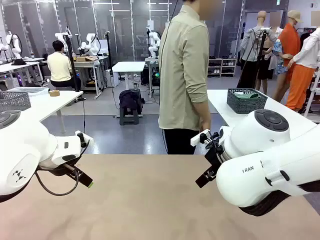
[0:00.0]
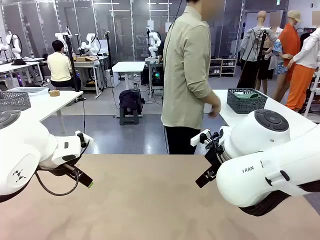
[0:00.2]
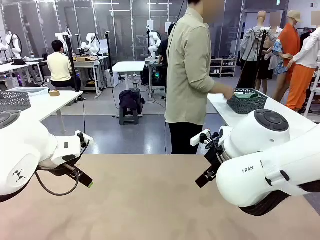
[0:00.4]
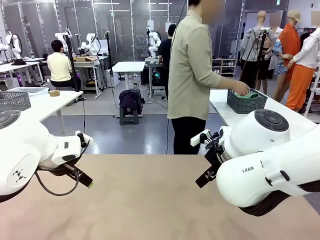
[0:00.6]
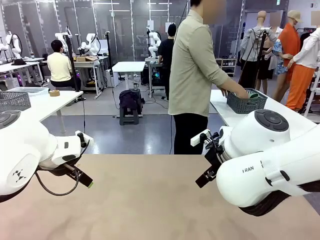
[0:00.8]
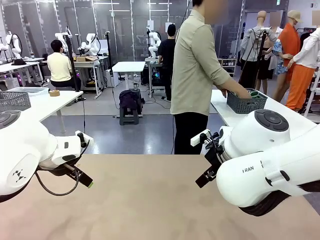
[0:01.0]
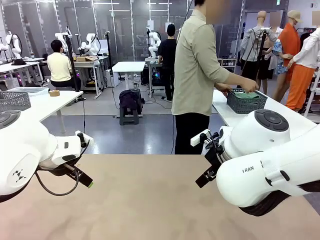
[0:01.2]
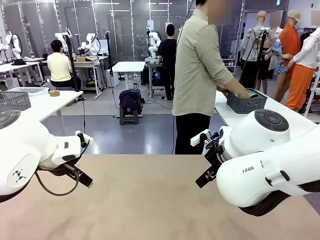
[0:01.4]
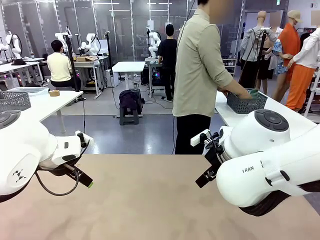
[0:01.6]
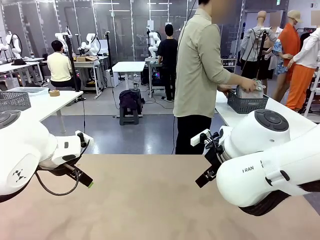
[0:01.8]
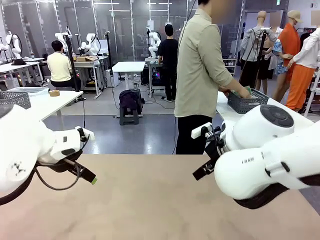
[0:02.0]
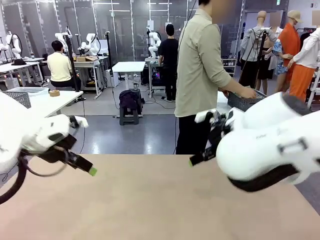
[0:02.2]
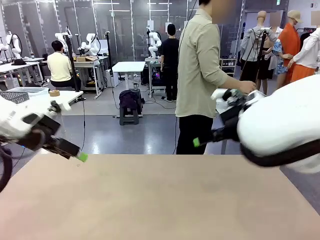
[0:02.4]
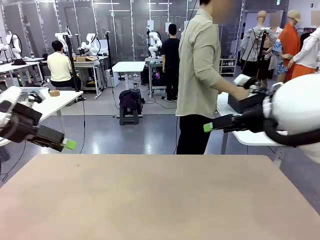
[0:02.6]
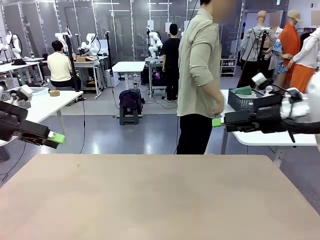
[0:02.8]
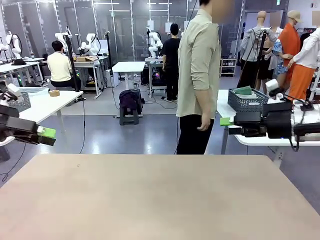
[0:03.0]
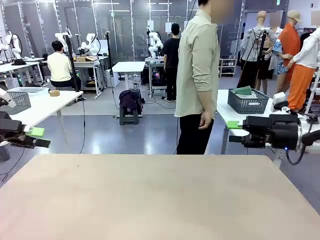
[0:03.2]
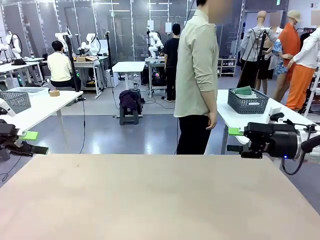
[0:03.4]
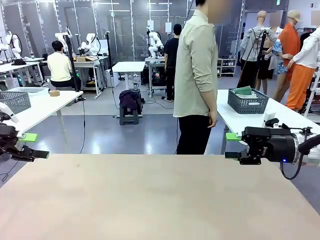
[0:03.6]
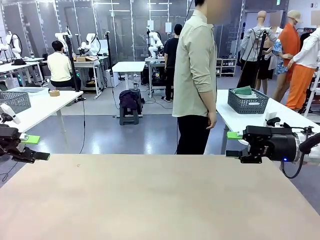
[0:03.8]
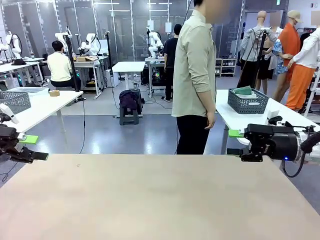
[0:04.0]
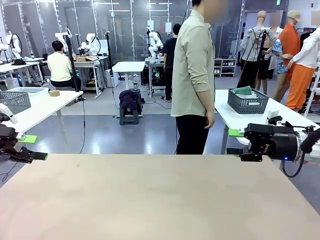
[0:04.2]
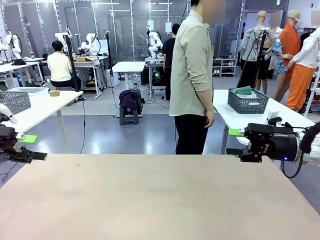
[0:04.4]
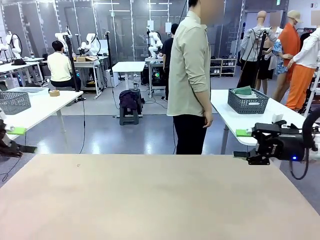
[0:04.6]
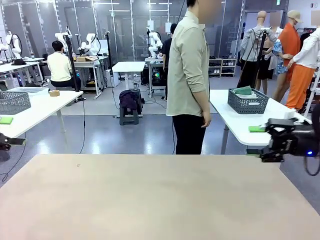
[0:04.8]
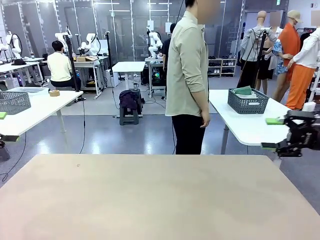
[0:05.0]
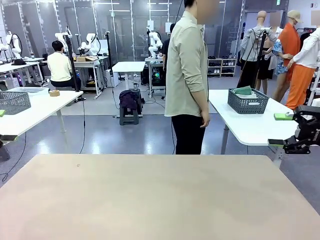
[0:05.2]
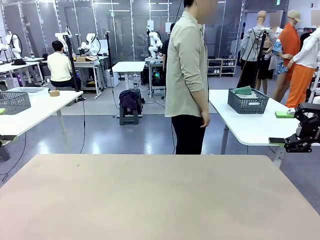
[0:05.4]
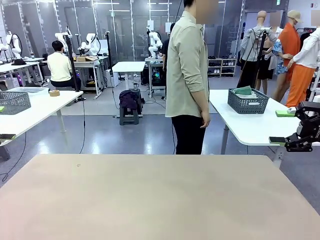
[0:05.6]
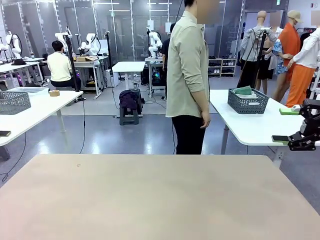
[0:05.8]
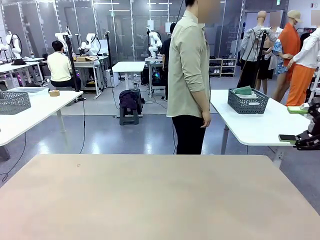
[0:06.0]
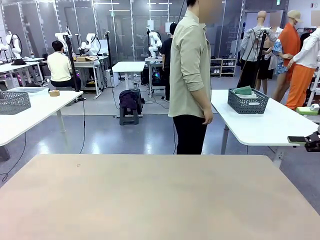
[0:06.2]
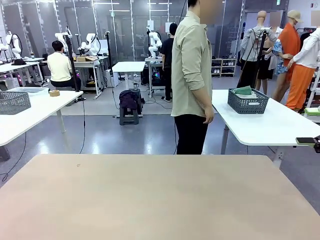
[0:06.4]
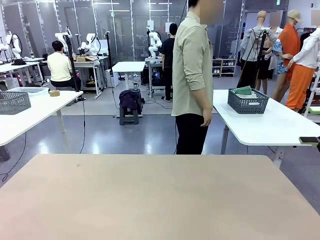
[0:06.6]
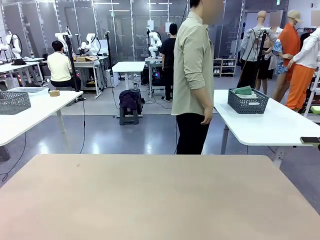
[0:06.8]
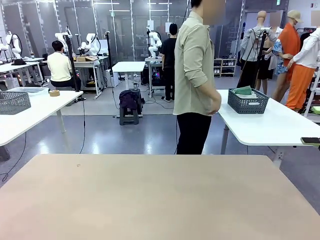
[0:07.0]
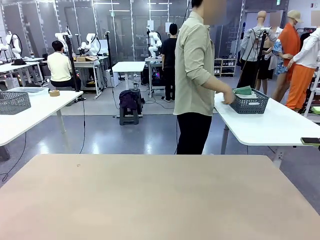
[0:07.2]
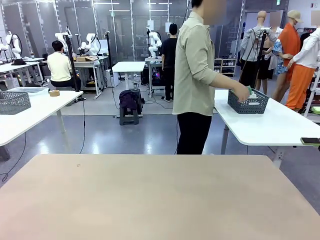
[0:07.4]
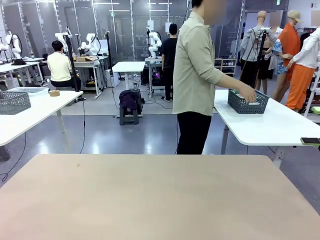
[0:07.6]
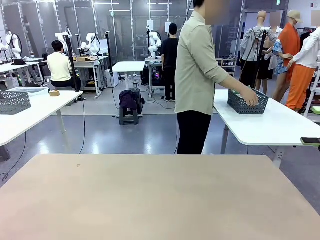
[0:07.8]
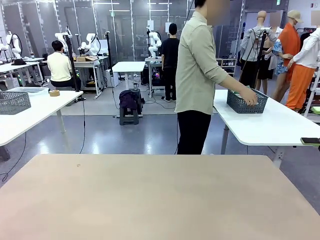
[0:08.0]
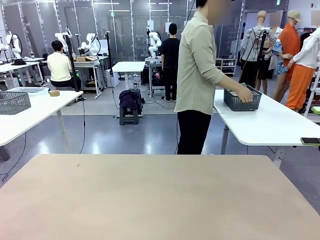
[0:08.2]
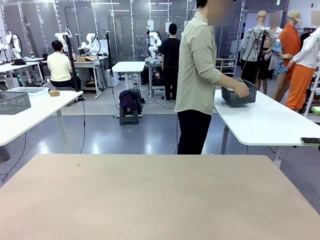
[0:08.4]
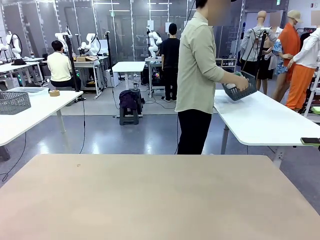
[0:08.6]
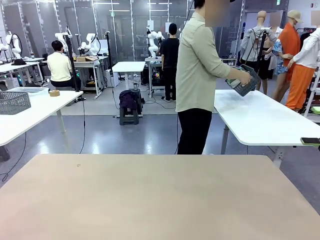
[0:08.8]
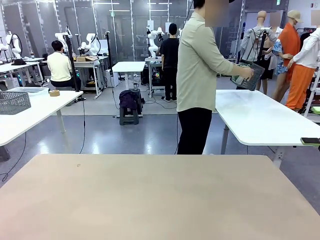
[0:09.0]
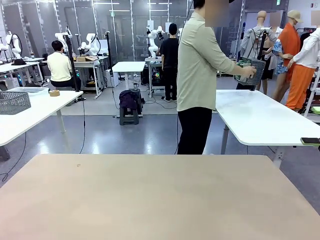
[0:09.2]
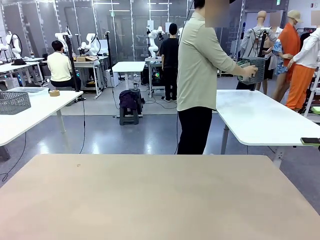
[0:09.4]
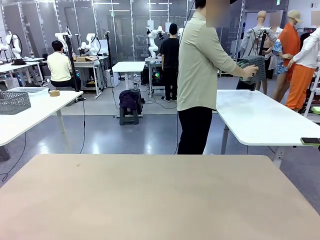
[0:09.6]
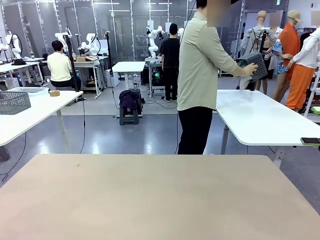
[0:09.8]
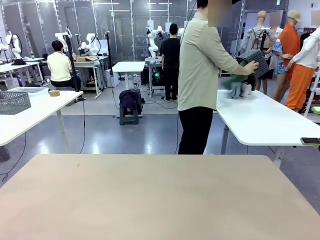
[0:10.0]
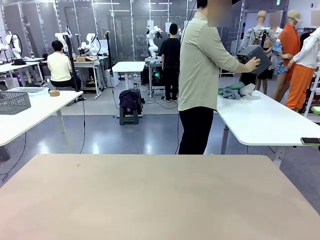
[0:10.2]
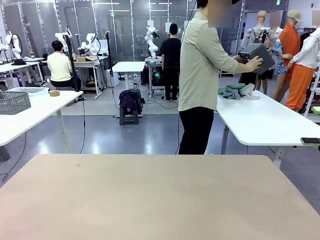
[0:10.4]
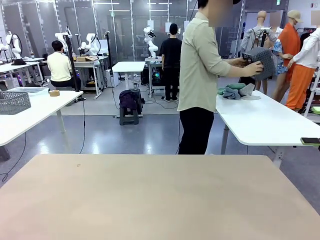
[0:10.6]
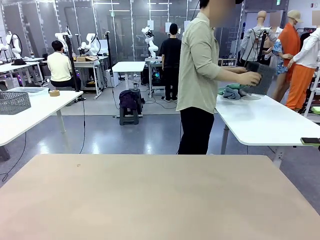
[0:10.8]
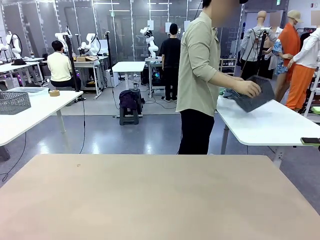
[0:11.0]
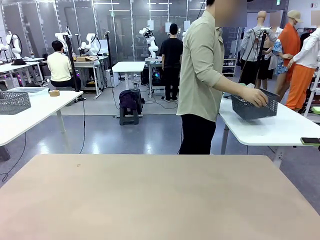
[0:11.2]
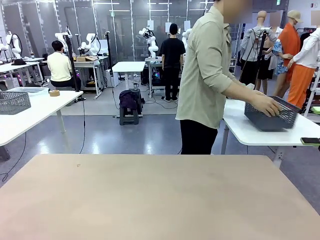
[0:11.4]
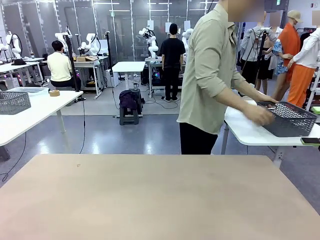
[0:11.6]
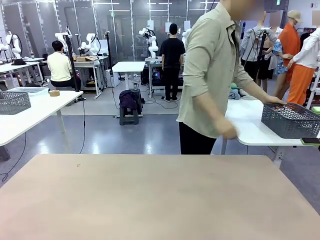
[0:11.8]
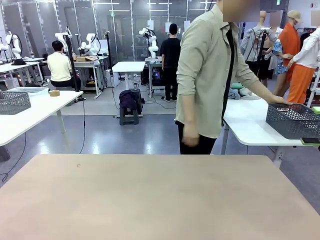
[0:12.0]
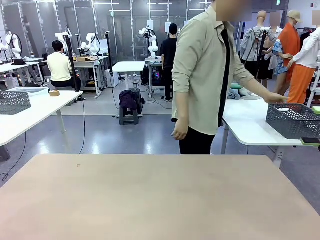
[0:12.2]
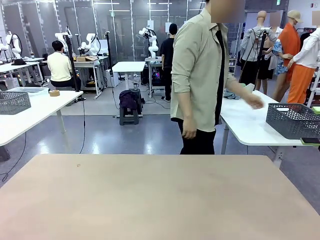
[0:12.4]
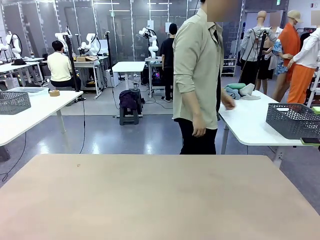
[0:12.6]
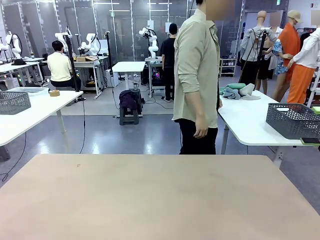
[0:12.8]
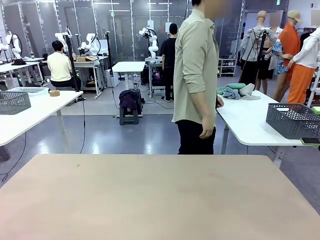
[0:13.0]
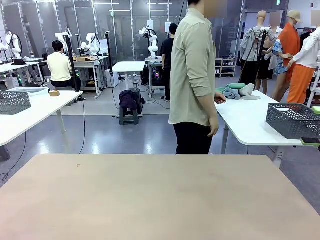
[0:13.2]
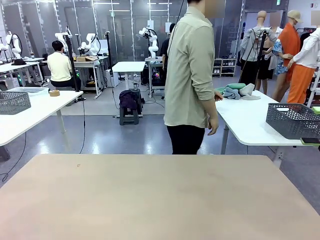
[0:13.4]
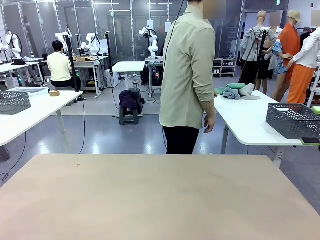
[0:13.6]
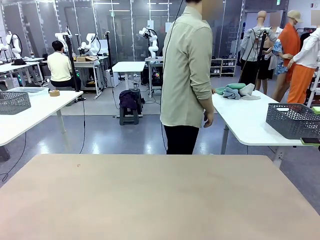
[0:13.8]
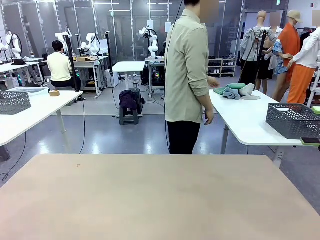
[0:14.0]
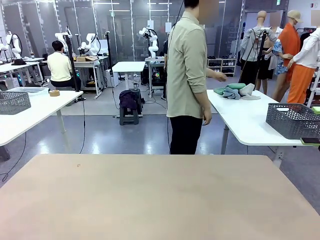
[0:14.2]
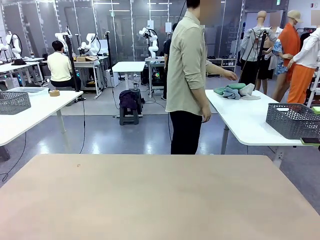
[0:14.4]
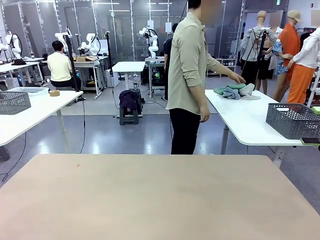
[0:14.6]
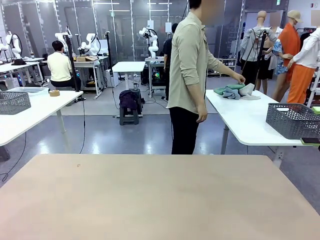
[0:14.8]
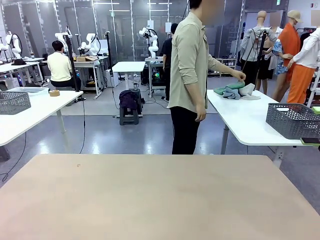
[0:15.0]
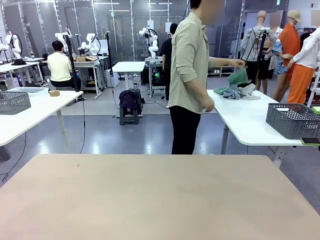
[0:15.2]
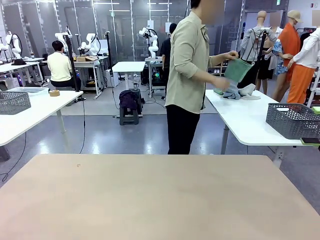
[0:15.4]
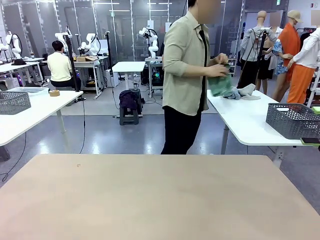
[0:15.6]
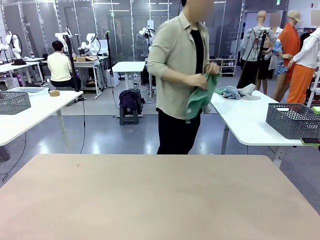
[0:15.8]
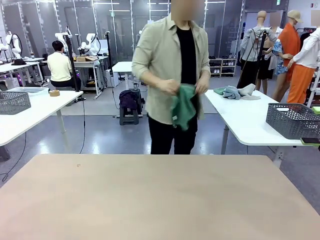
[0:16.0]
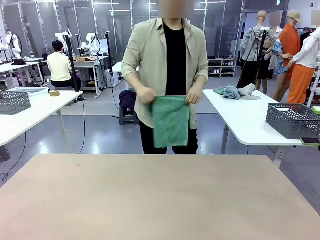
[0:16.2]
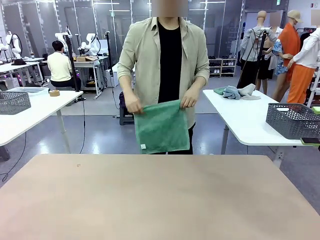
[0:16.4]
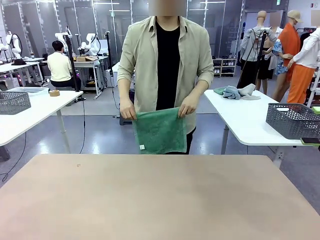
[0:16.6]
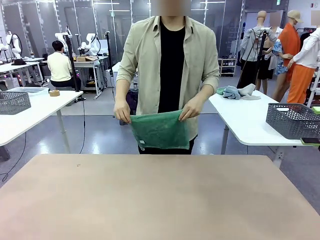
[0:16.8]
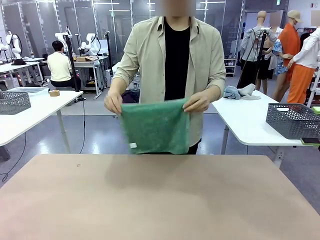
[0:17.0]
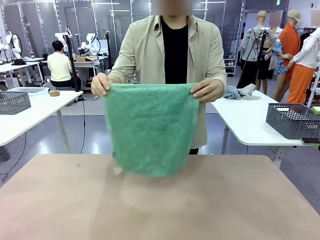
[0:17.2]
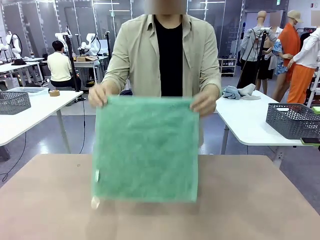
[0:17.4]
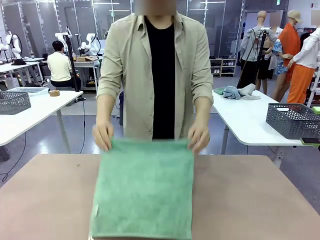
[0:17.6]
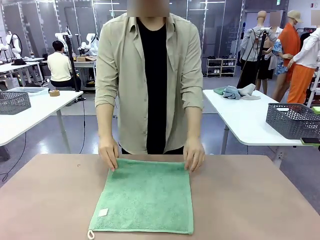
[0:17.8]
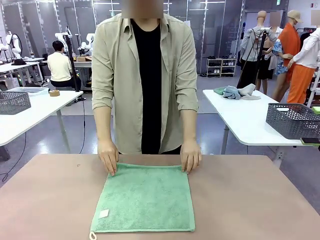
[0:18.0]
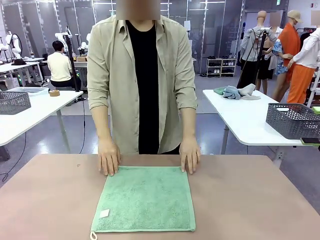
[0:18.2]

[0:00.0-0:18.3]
Task: Fold the towels and place them in the basket.
Robot: When a person lays out a Towel with hook on the table, fold it in half twice.
Person: Pick up the basket, pour the towels onto the left side of the human table, and place the basket on the right side. Pick up one towel and spread it out at the center of the robot table.
